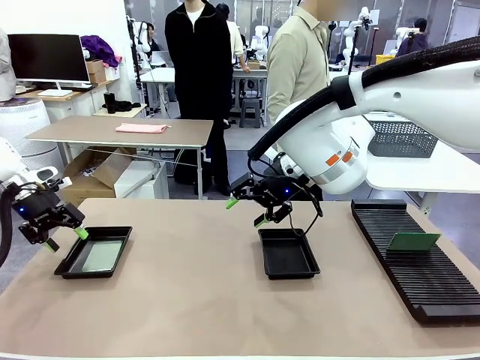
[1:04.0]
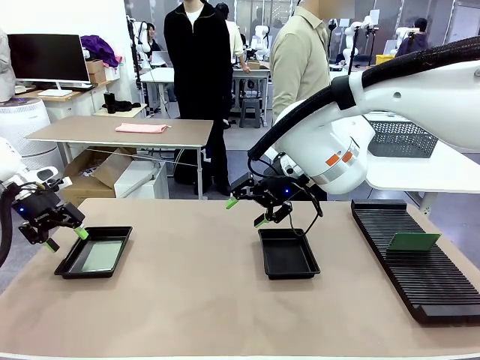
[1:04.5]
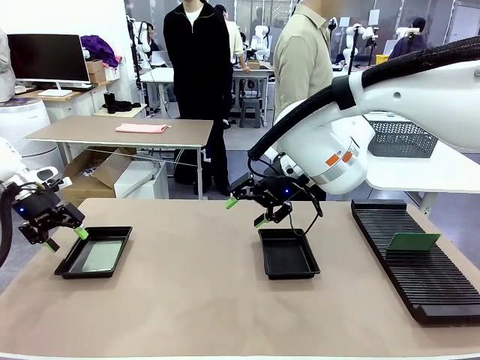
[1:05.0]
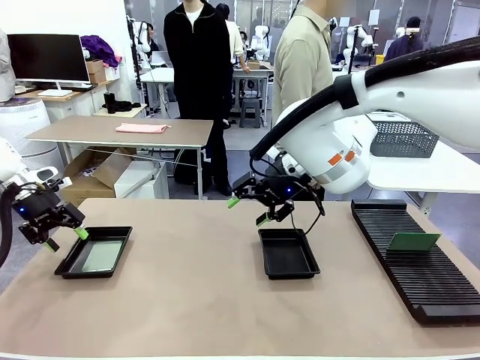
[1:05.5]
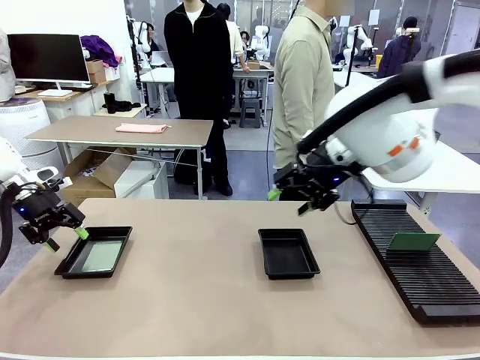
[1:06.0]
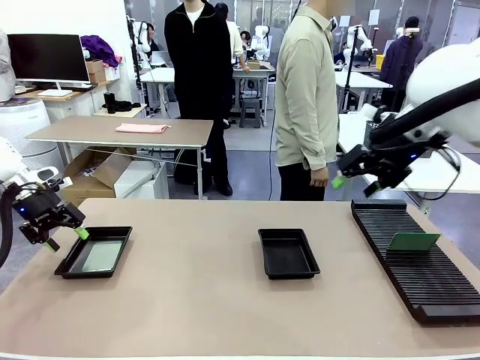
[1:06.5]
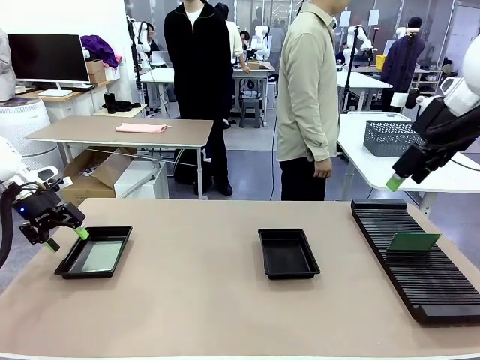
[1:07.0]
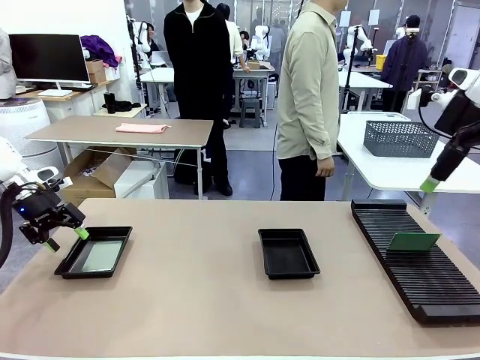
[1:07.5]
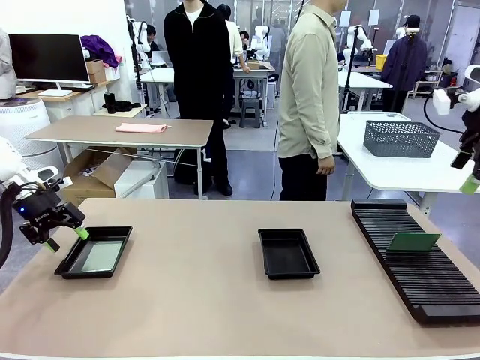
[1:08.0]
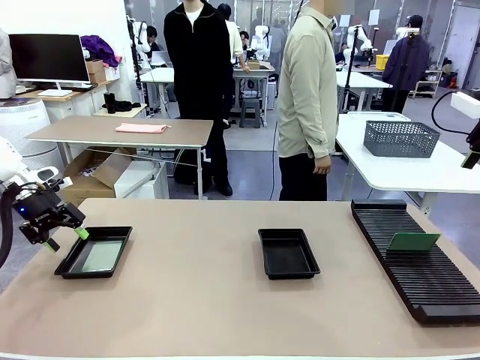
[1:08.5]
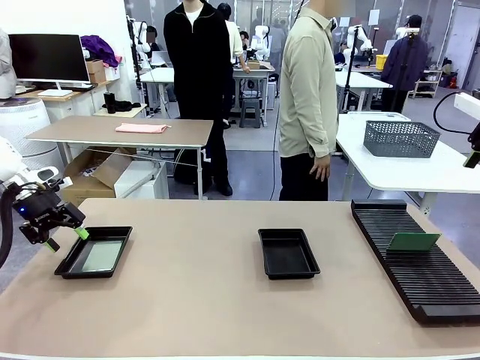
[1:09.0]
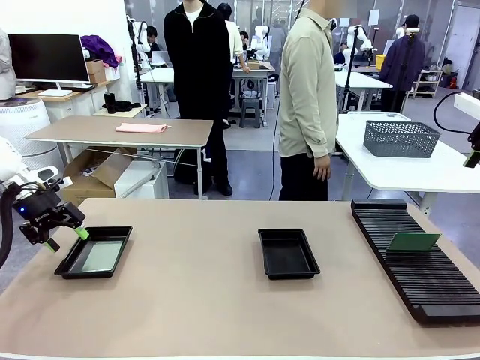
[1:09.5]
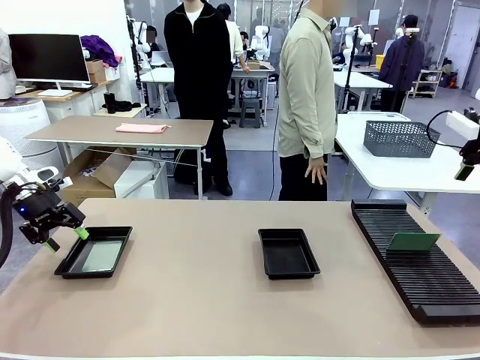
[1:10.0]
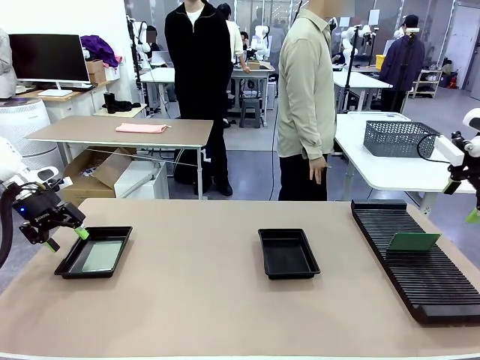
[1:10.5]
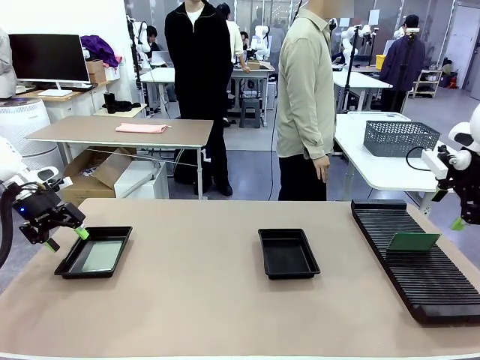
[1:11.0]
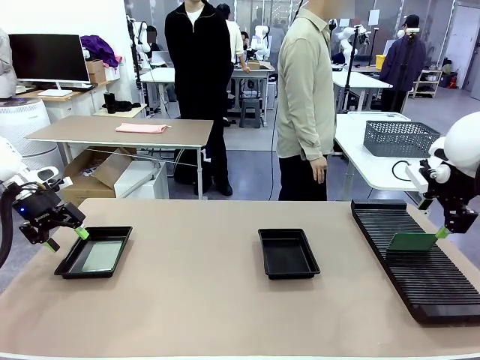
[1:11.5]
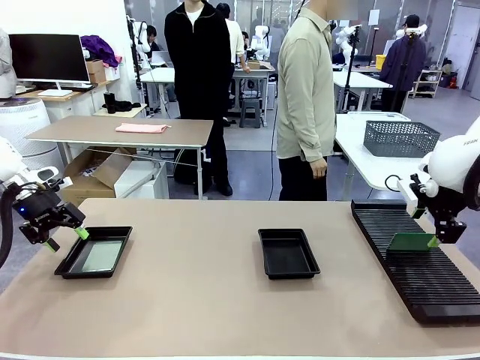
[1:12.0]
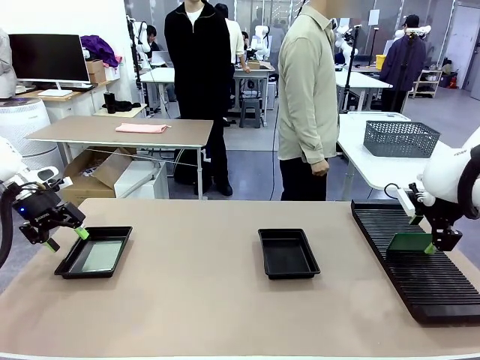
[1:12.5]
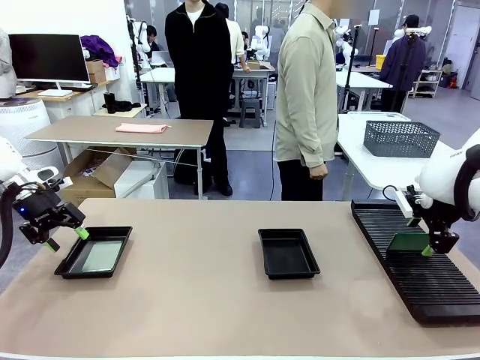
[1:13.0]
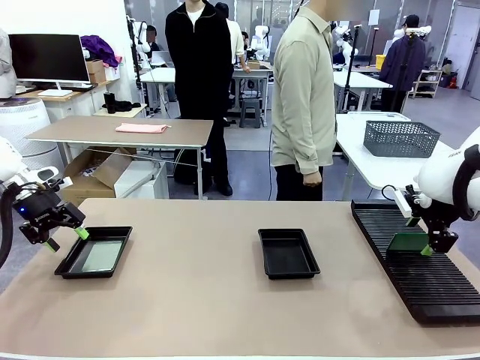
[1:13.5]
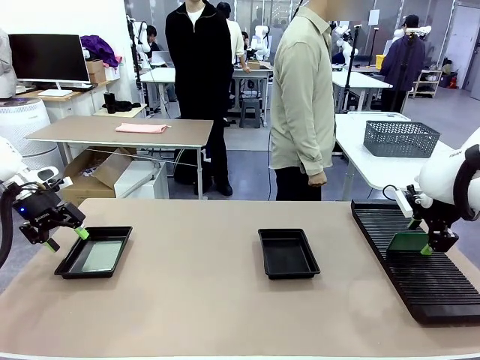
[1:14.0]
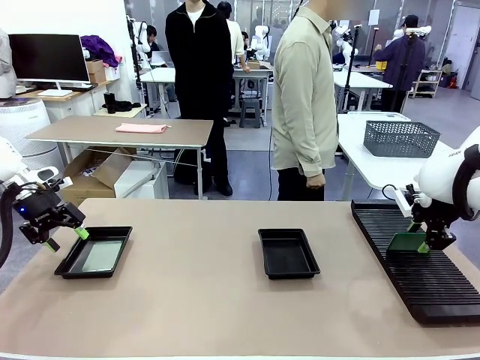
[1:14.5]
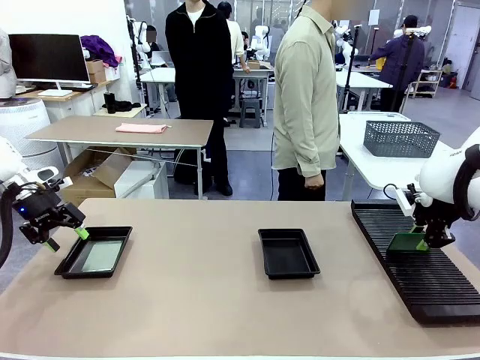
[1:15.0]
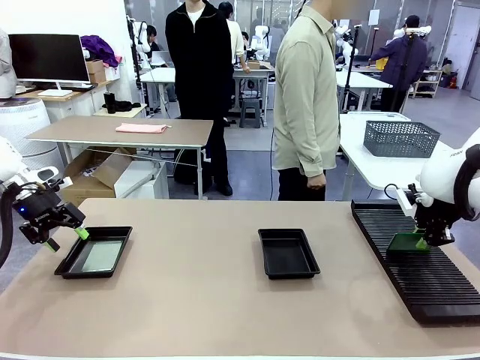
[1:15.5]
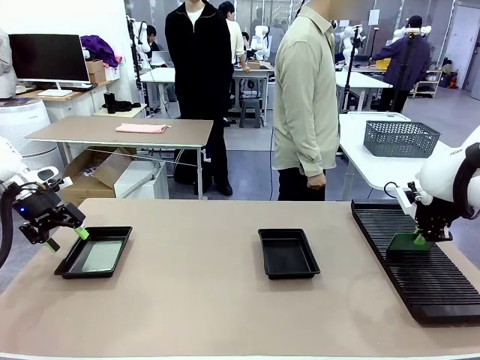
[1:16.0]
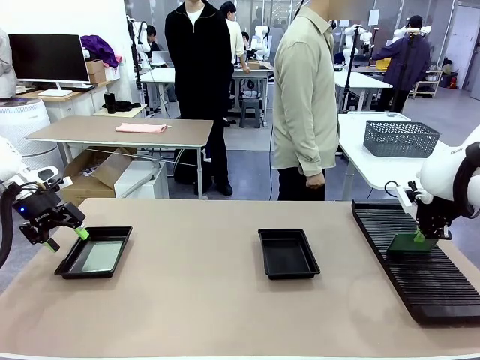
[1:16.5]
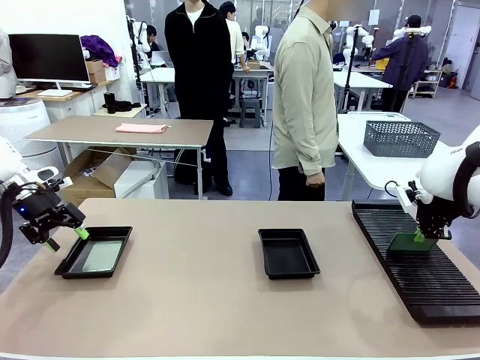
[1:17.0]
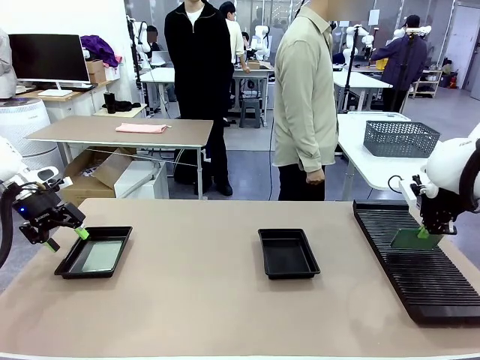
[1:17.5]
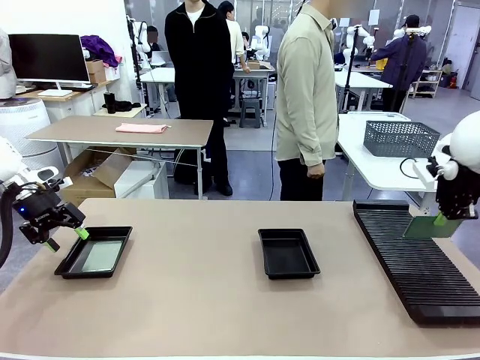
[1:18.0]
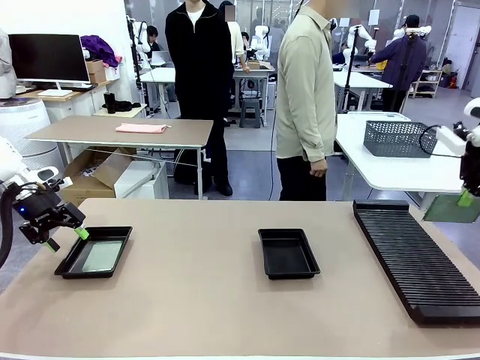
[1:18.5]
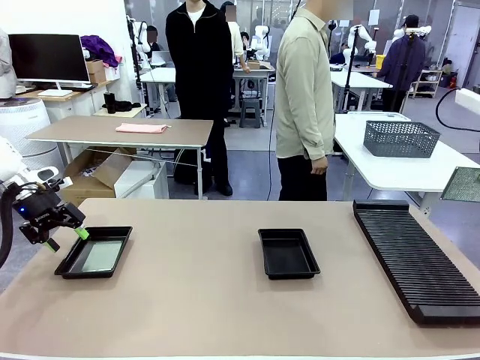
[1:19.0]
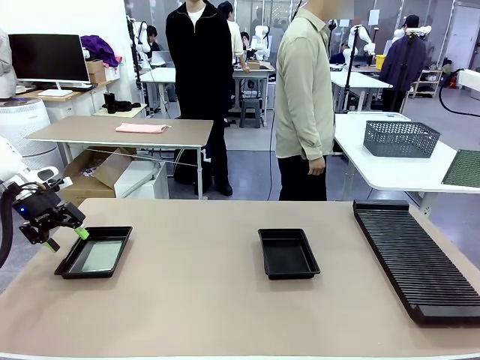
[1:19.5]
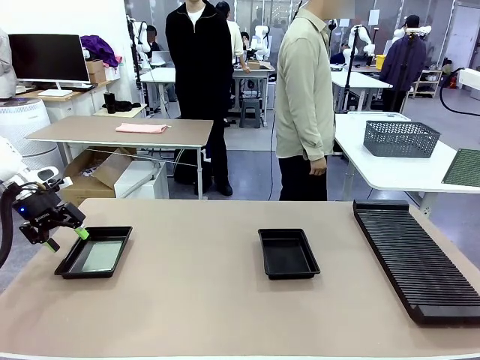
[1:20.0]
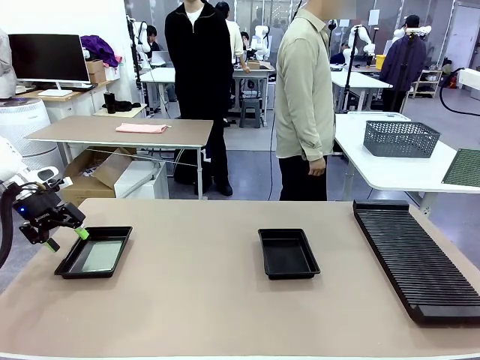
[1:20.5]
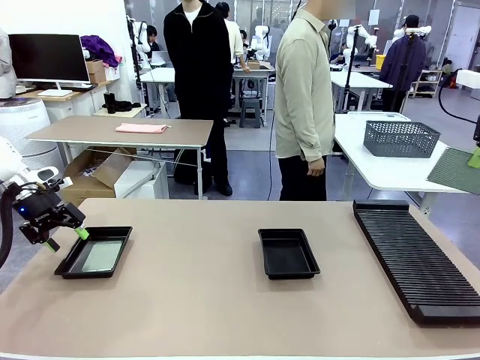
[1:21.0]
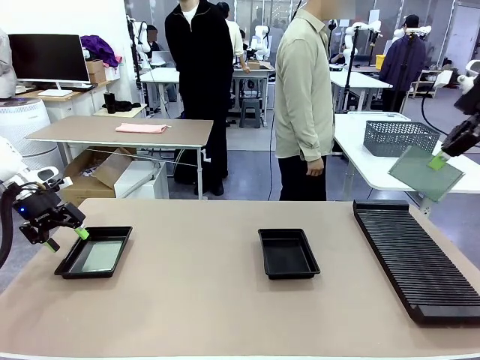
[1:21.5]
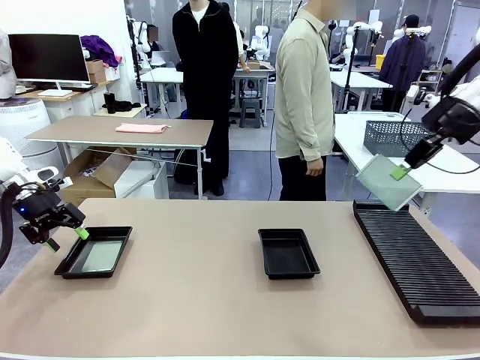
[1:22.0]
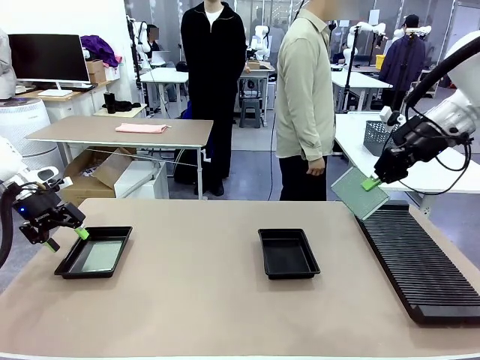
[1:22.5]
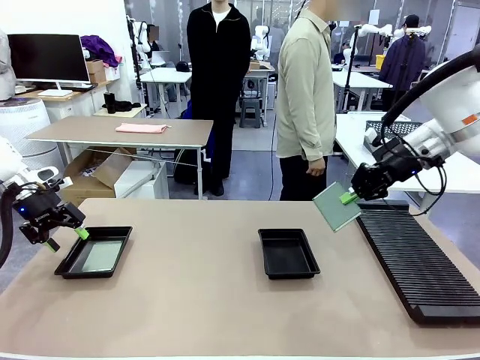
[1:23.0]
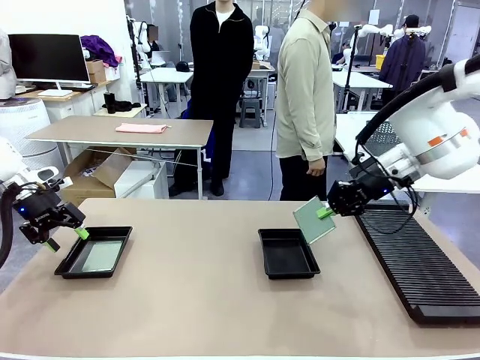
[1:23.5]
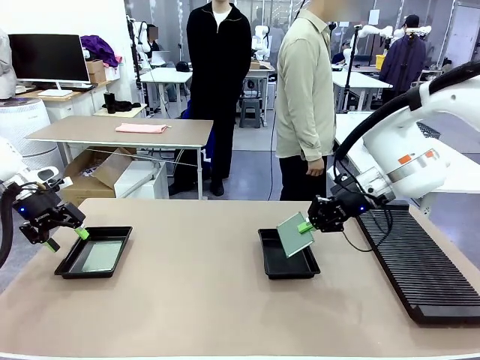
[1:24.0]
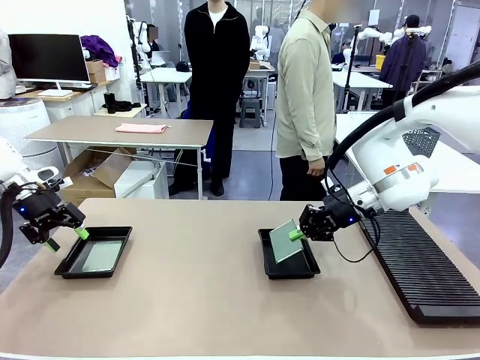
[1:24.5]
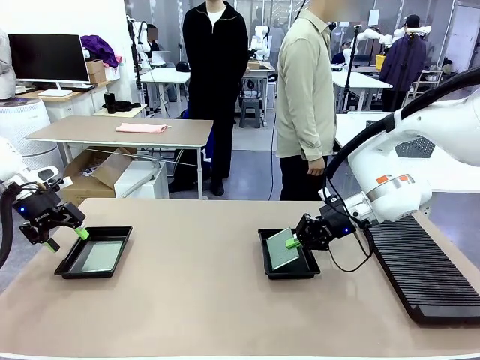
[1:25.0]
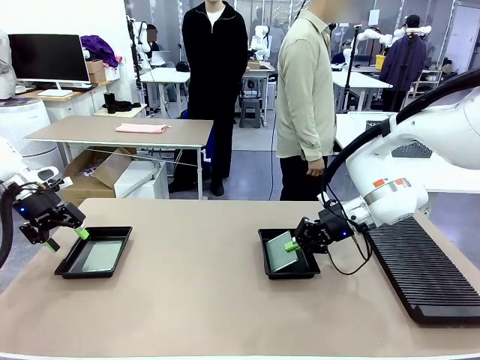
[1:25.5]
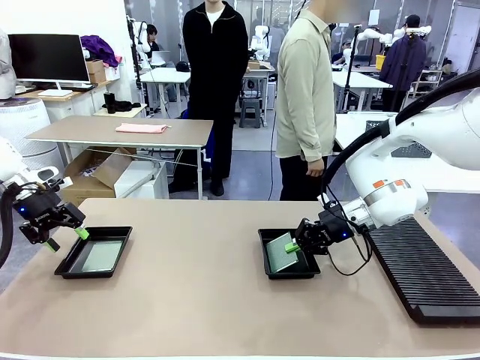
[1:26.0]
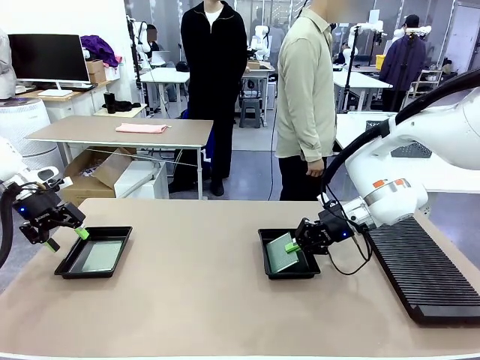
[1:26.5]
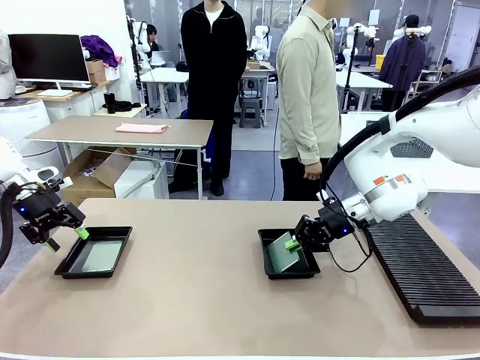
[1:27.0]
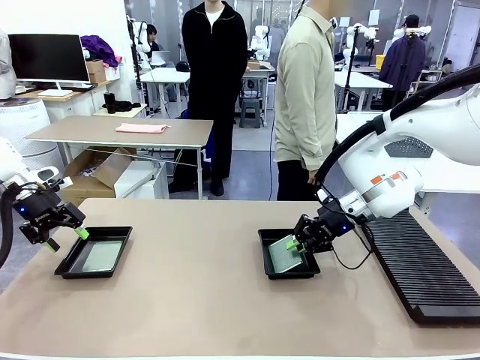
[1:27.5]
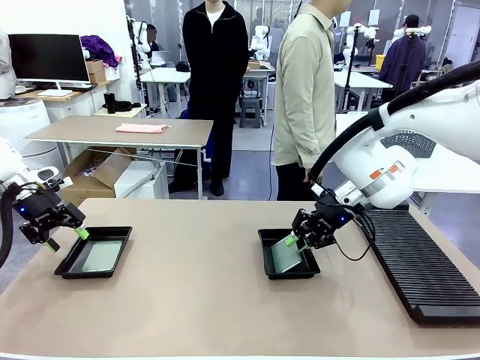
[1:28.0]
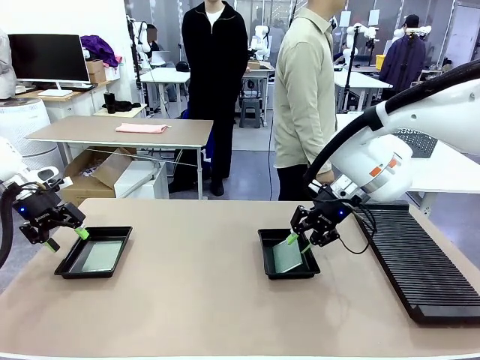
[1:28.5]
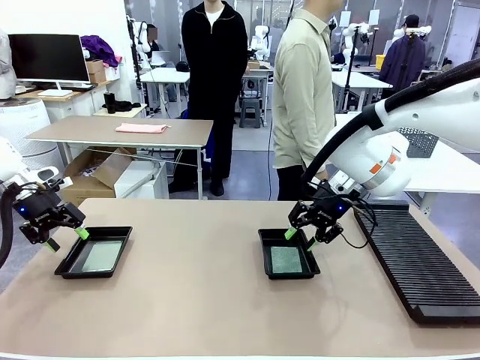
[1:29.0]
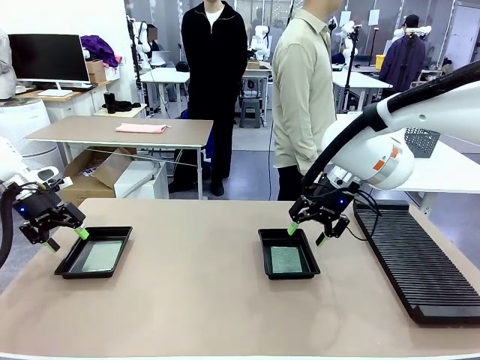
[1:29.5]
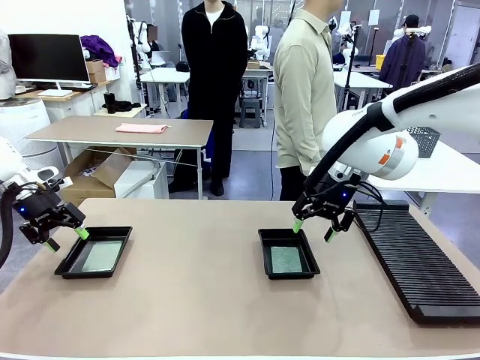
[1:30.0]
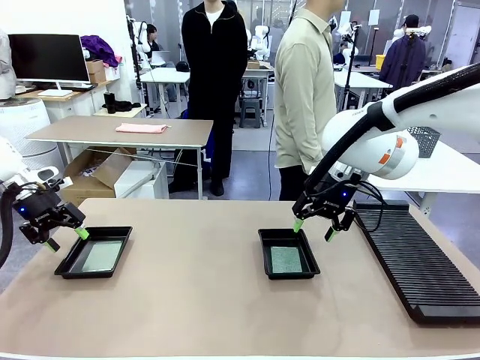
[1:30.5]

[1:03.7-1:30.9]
Task: Inspect and transfer BCBs to ESD trays.
Robot: Pick up the Blank PCB from the PCB Rack and place it in the right ESD tray.
